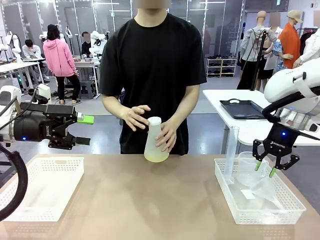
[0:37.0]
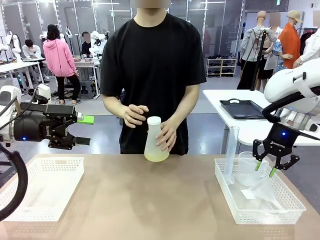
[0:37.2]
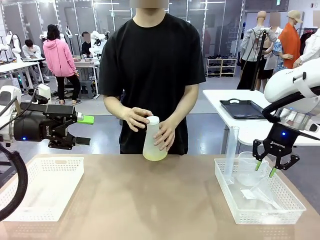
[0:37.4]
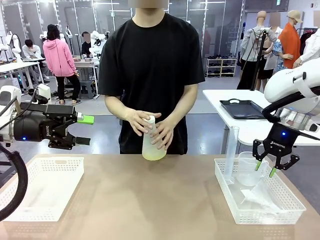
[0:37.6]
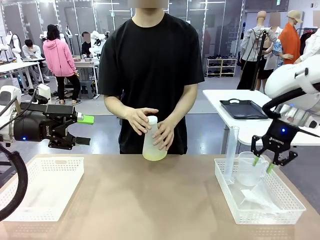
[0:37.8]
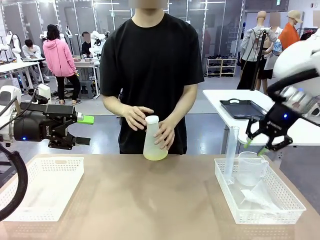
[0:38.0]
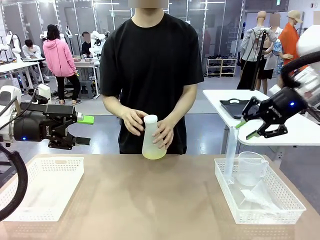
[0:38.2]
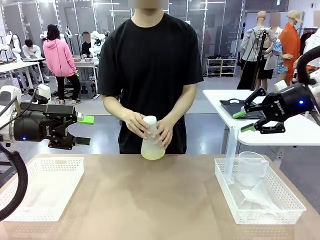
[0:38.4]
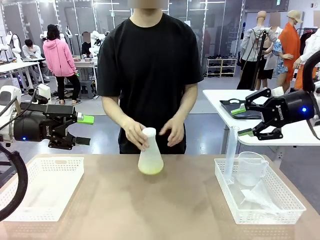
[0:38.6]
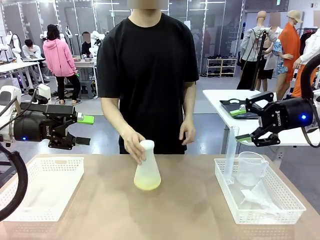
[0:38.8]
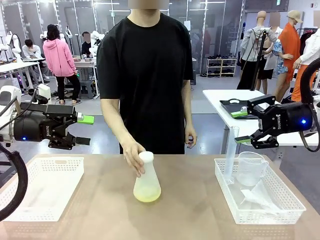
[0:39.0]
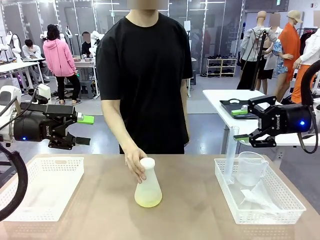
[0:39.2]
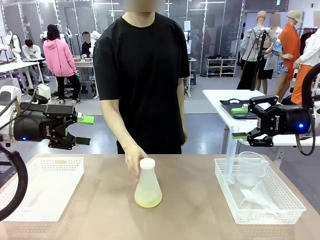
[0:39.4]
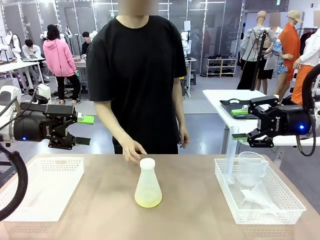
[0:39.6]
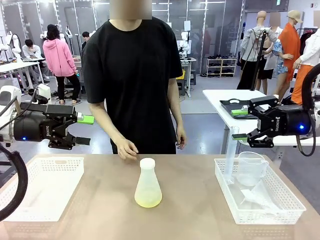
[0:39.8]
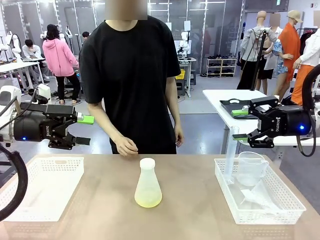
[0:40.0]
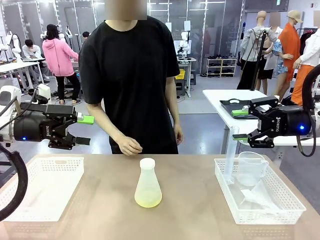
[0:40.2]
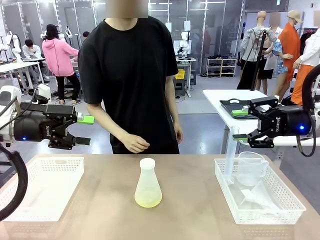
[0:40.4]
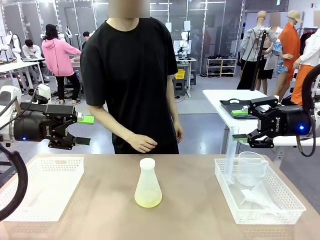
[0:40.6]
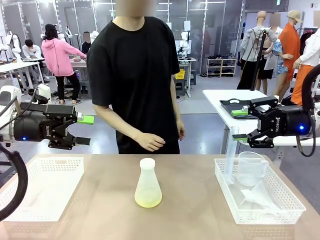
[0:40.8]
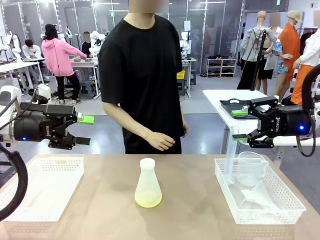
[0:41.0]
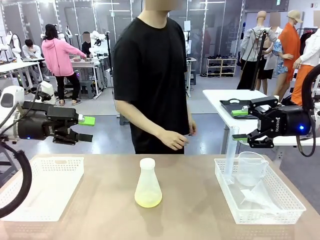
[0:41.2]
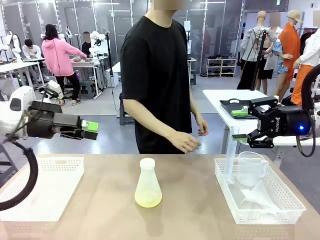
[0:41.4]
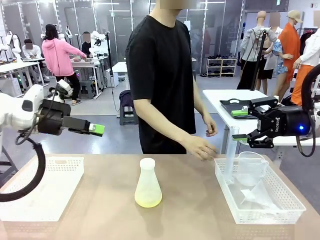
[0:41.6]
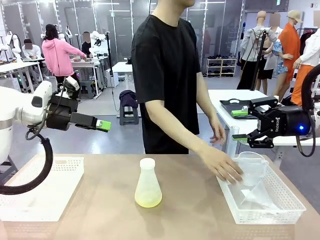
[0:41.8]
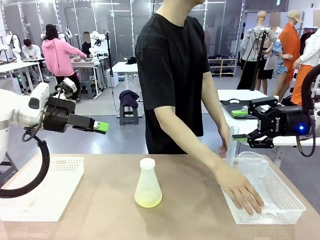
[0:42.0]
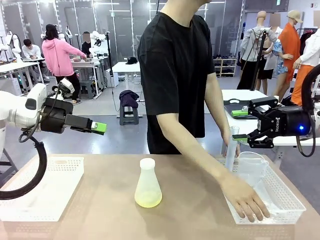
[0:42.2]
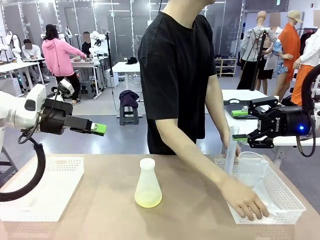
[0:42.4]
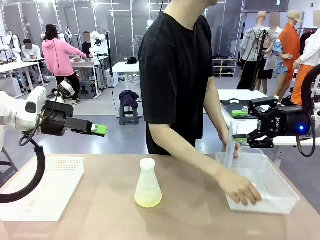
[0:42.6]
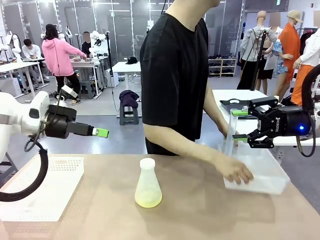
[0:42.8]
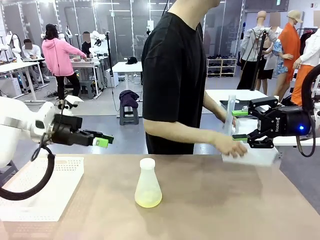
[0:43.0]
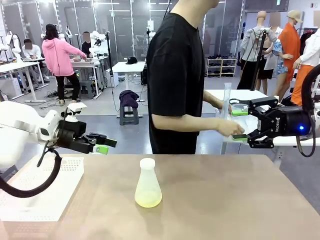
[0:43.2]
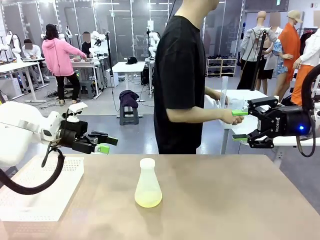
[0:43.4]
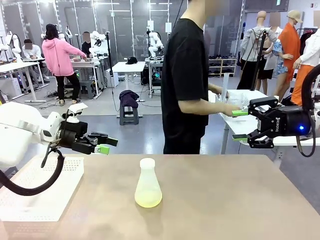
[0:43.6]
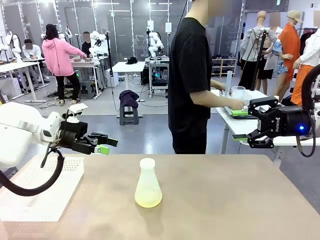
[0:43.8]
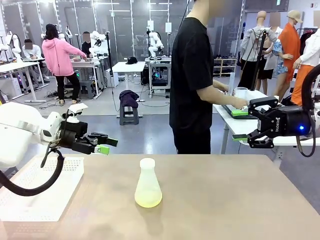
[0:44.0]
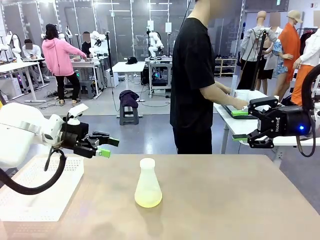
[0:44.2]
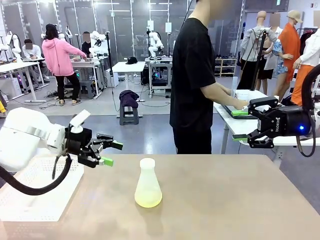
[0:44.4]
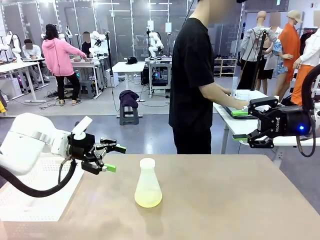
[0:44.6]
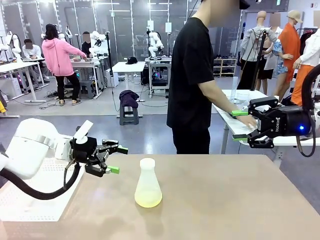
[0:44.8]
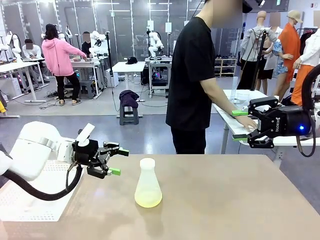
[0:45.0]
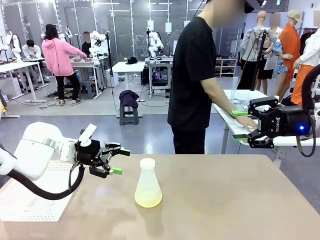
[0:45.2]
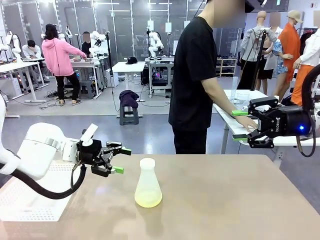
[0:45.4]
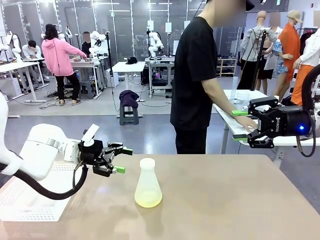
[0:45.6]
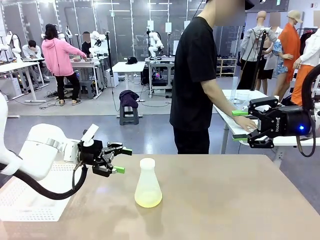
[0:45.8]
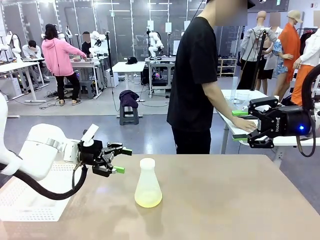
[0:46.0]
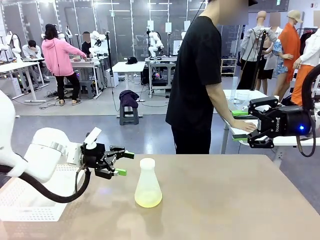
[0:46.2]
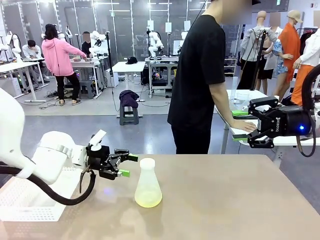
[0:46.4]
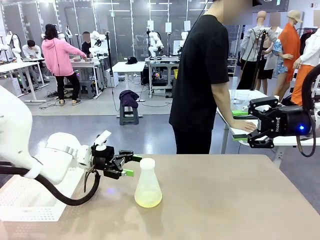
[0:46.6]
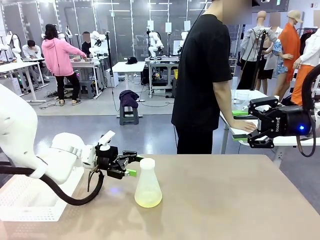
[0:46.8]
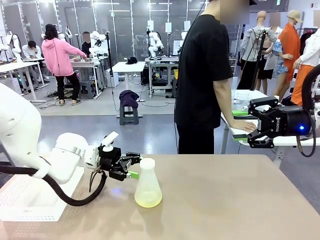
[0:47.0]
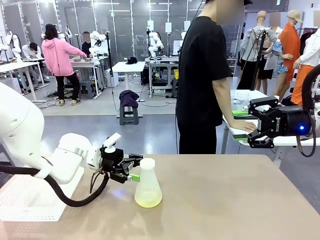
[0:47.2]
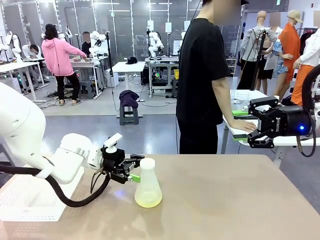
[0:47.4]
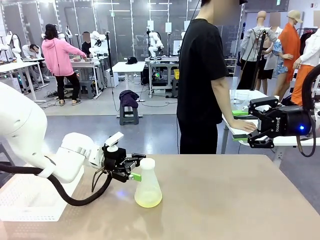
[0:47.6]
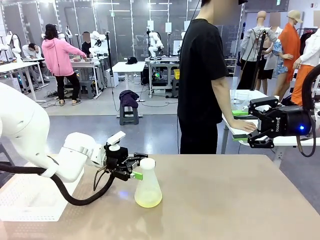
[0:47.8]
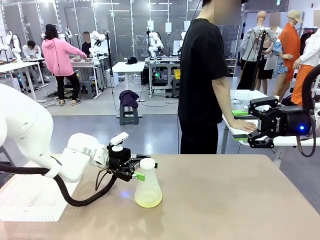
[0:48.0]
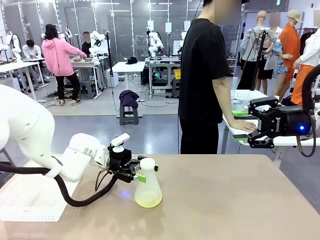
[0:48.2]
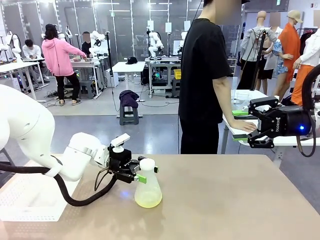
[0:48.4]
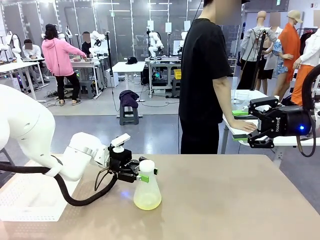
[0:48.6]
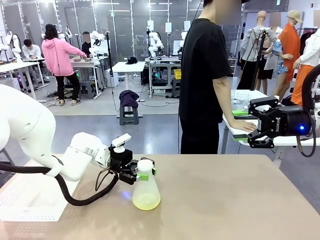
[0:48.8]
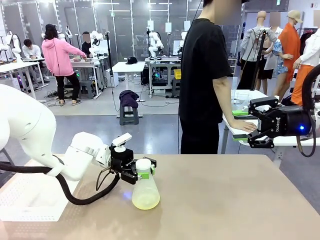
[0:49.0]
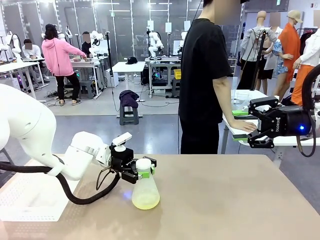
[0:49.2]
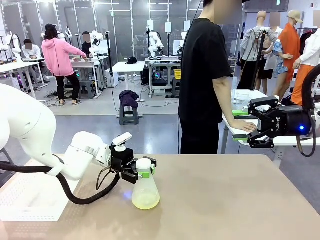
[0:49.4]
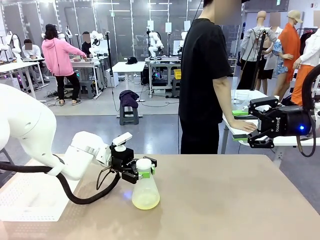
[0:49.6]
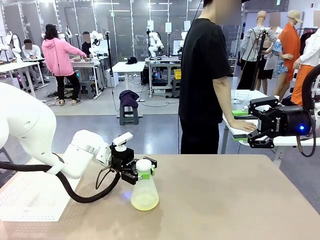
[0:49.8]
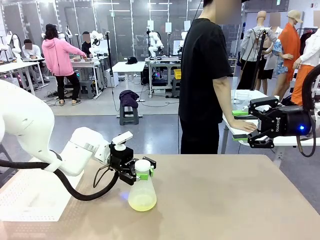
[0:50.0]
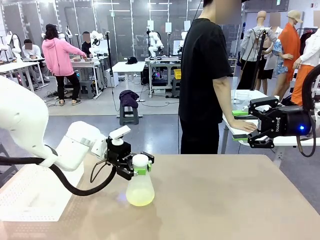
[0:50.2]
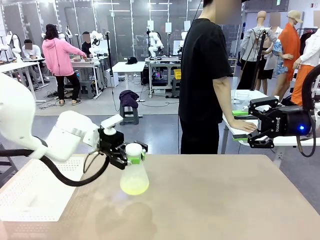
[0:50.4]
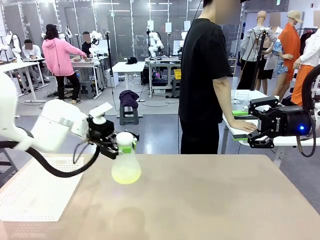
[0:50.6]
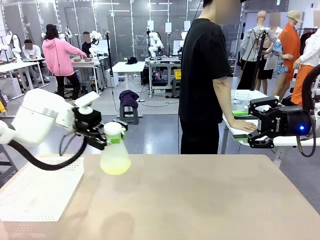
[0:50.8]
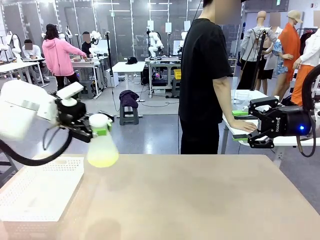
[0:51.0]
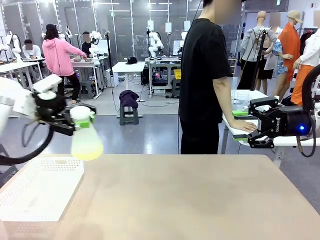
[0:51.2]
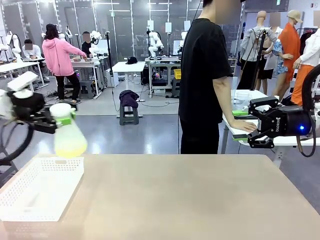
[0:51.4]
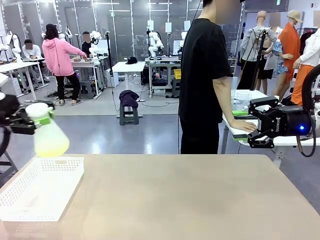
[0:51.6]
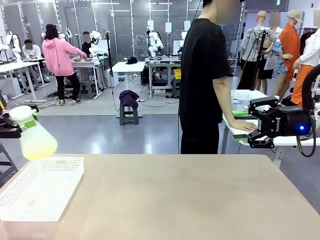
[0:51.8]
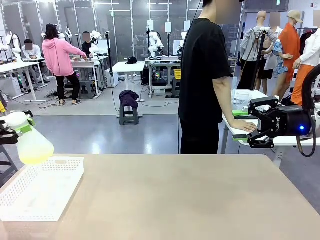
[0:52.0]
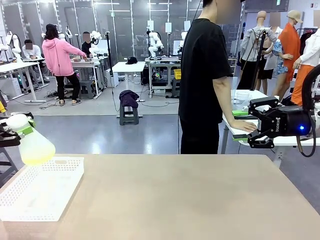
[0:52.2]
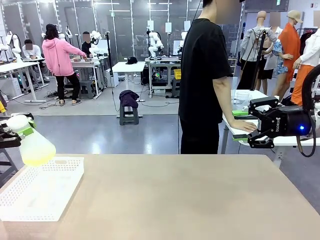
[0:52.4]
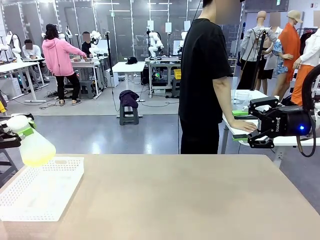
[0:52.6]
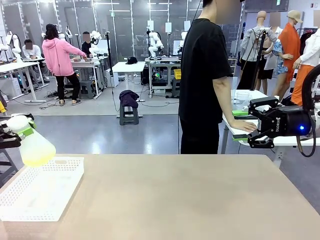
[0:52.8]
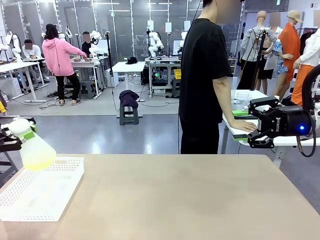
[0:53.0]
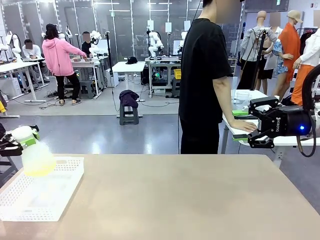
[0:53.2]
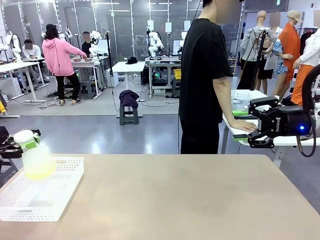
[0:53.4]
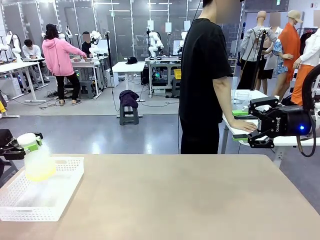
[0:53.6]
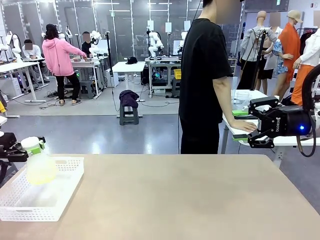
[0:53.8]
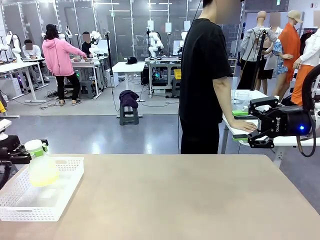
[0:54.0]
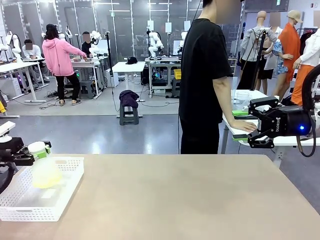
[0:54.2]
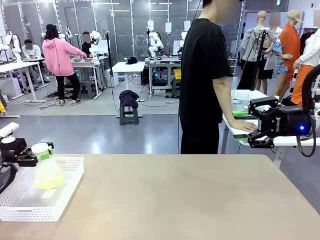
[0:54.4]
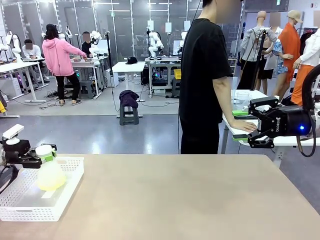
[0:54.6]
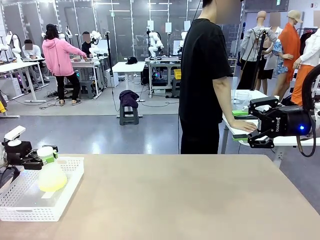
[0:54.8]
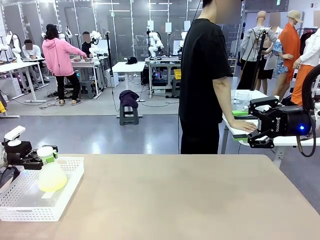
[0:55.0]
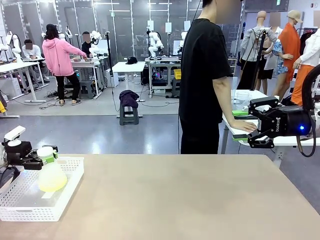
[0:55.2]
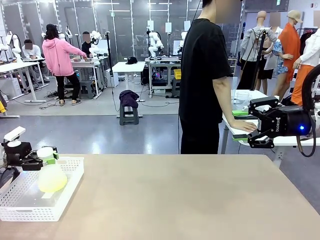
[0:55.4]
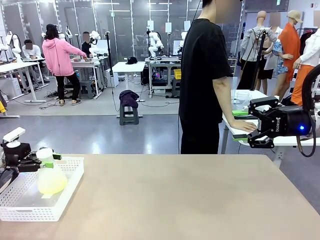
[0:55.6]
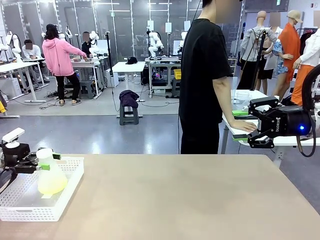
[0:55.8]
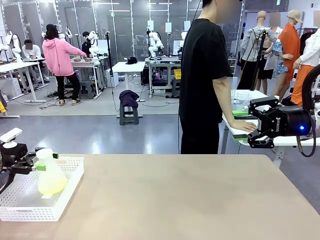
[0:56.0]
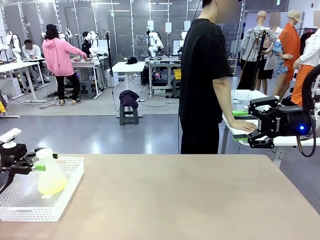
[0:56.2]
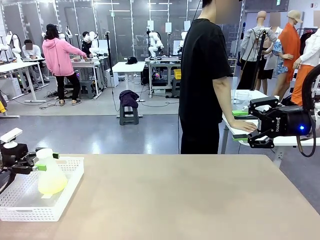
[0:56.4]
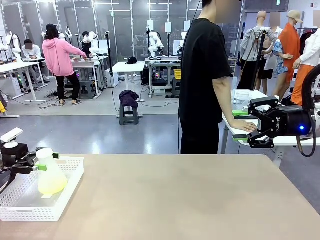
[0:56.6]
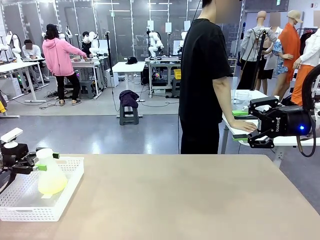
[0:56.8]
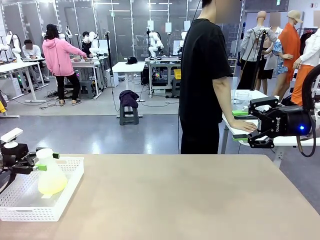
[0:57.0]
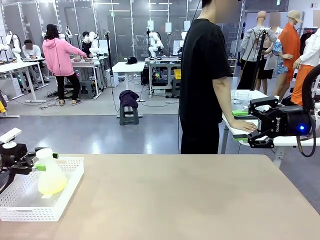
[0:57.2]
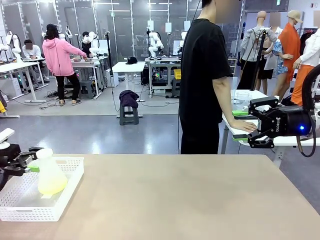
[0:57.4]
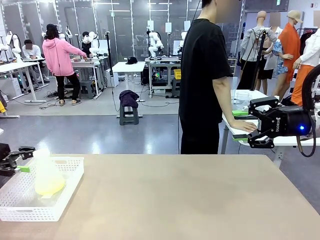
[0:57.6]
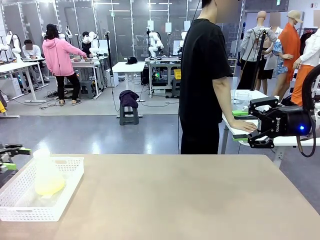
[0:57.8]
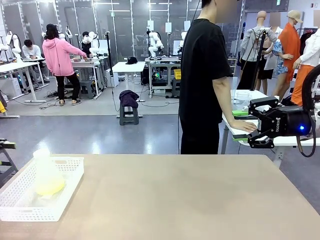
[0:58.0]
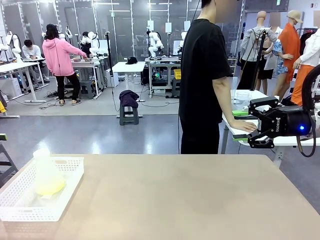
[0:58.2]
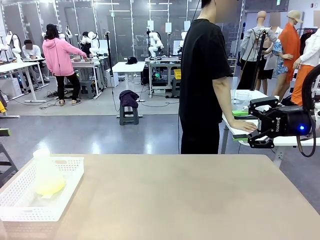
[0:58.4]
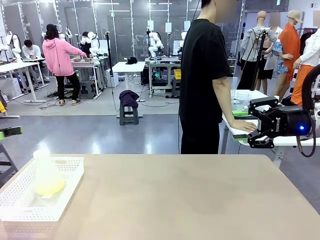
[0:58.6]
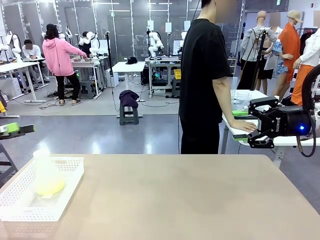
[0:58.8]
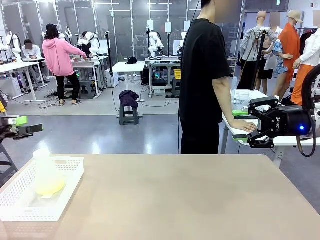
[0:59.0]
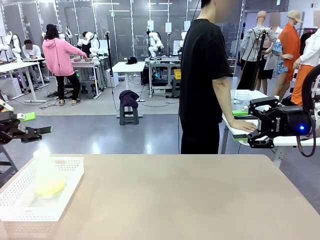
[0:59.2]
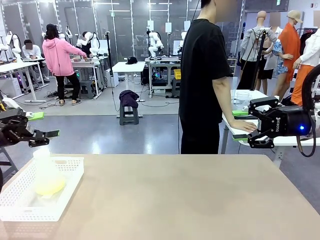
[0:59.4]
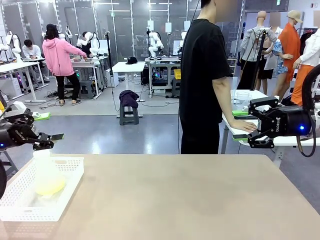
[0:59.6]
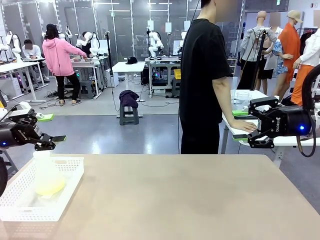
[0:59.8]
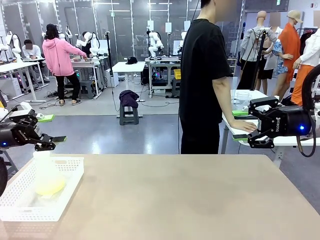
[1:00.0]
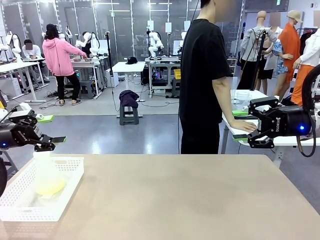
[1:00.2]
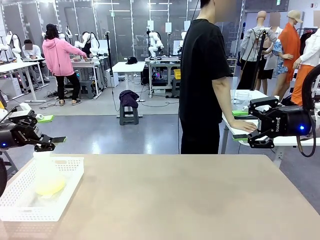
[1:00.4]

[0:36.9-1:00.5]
Task: Prepare the solutions needed for the experiment.
Robot: When the human places the Big flask in the center of the table, pick up the Big flask and place it in the left Organizing basket.
Person: Pick up the organizing basket on the left side of the robot table and place it on the left side of the human table.
